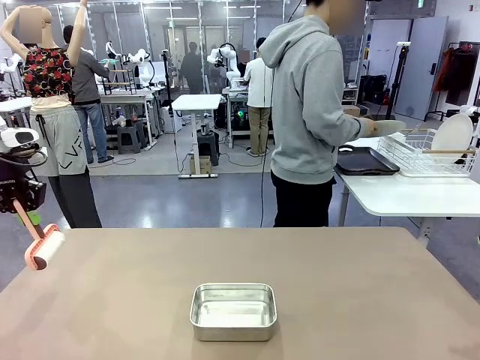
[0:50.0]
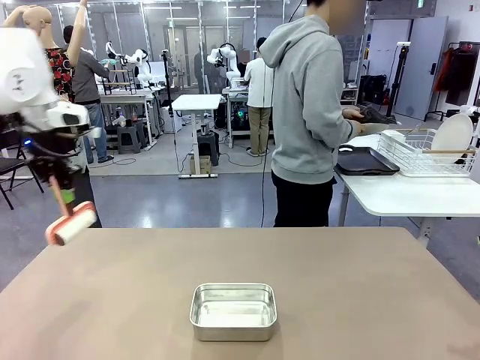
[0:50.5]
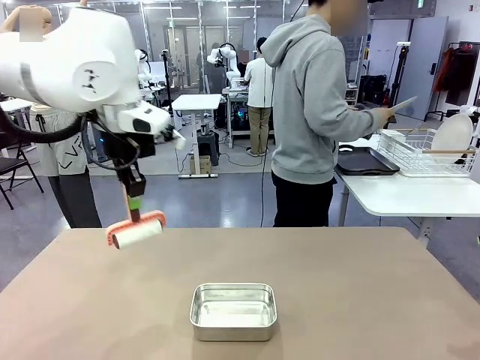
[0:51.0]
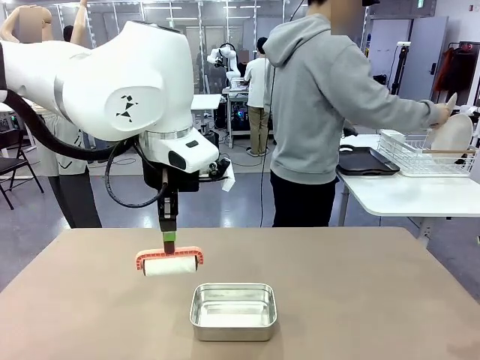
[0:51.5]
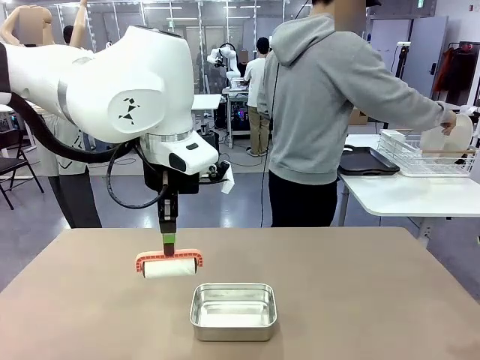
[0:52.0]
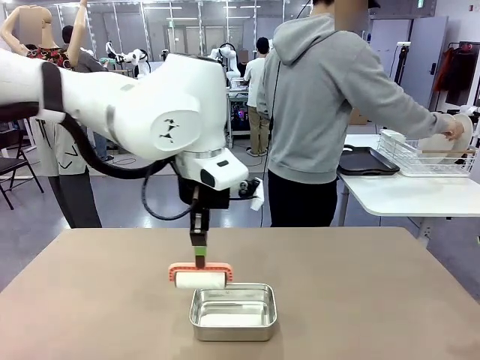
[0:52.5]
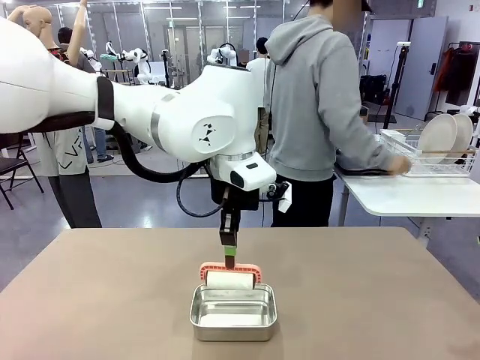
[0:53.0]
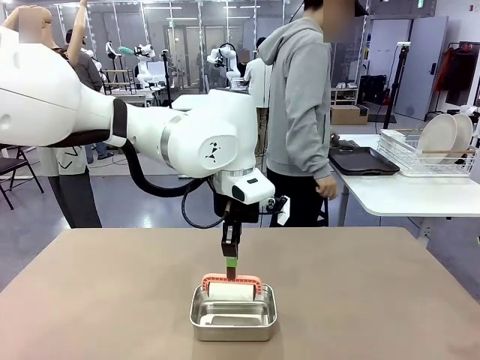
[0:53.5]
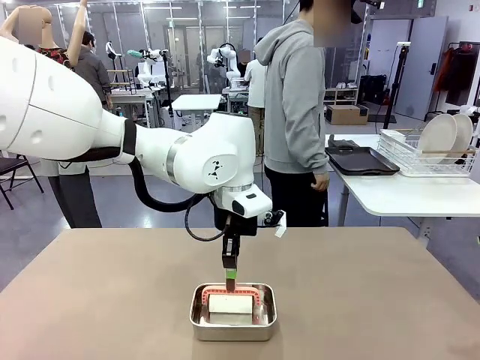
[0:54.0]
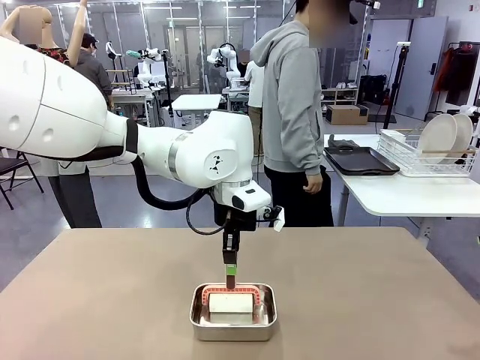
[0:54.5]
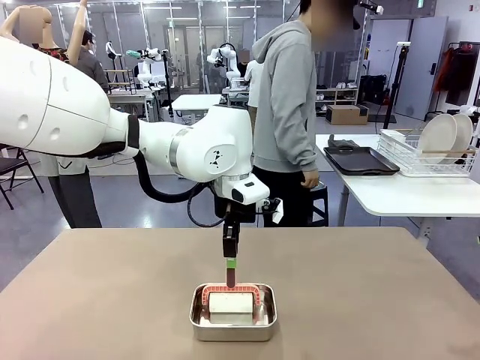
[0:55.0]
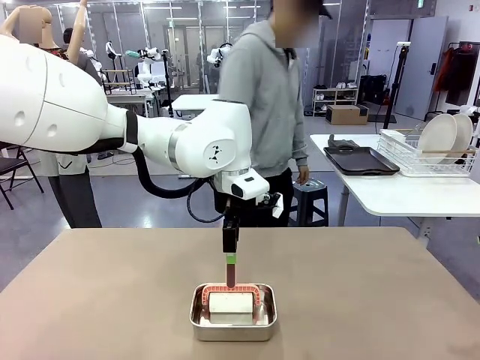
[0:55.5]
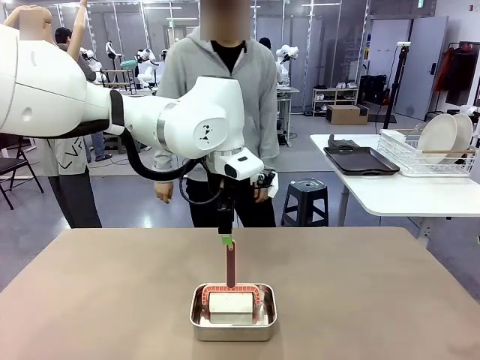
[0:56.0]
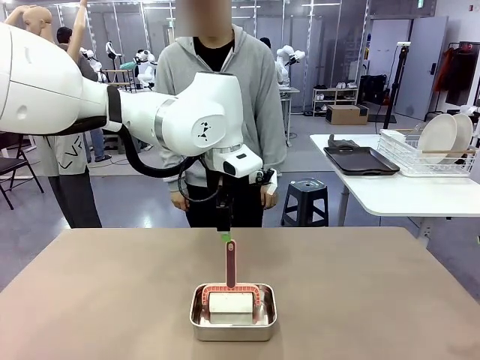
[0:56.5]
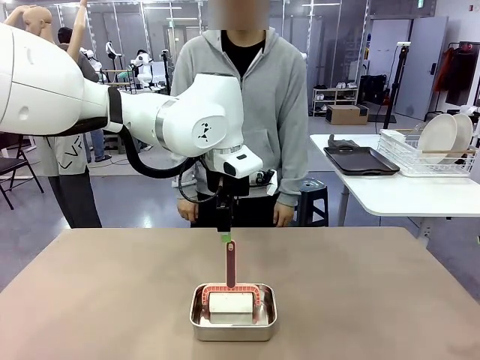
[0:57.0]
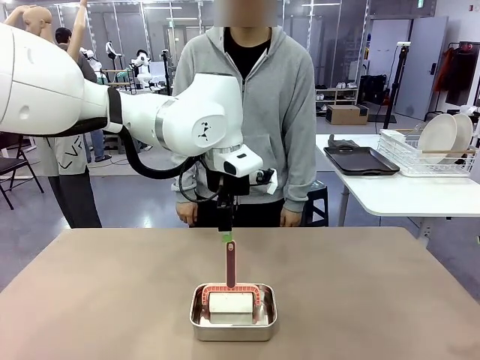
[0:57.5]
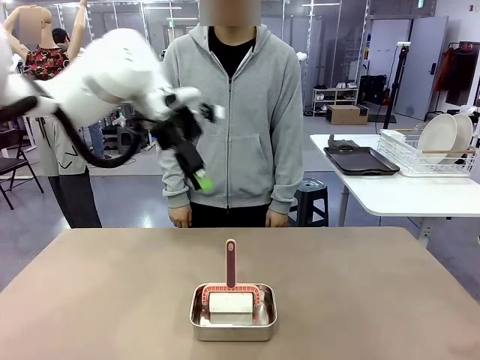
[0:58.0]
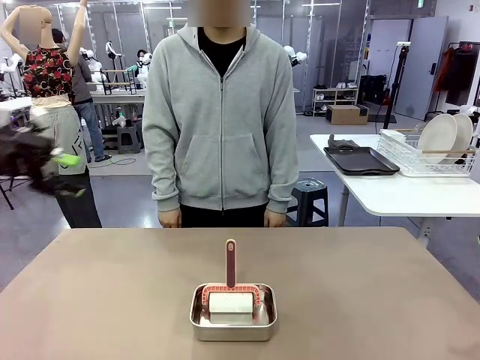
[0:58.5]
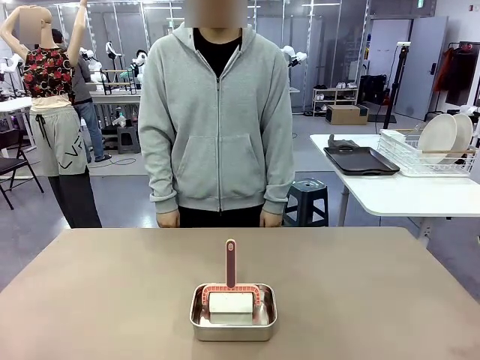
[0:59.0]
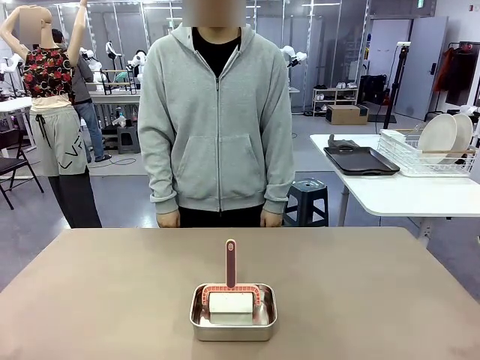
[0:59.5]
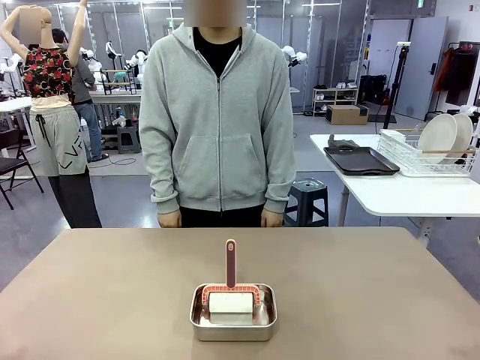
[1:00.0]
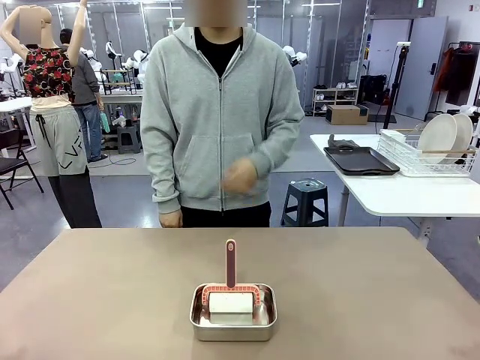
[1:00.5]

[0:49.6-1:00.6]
Robot: Place the Lint Roller back on top of the Airtight Container.
Person: Use the Towel with hook to wipe the Plastic Matte Plate , Fork , and Knife and place into the Dish drying rack.

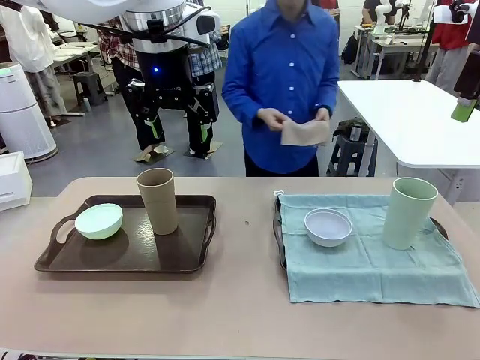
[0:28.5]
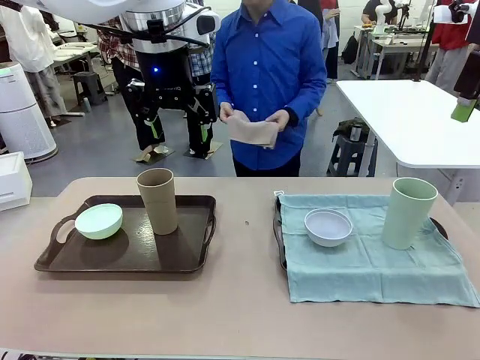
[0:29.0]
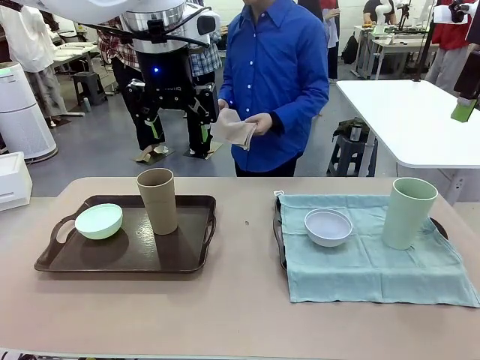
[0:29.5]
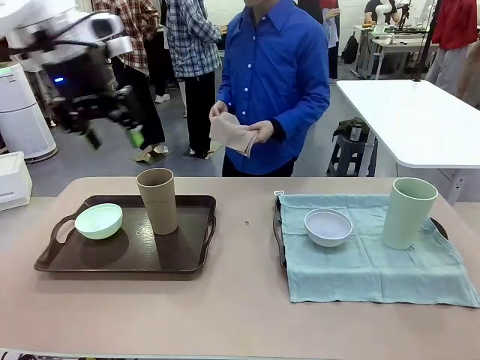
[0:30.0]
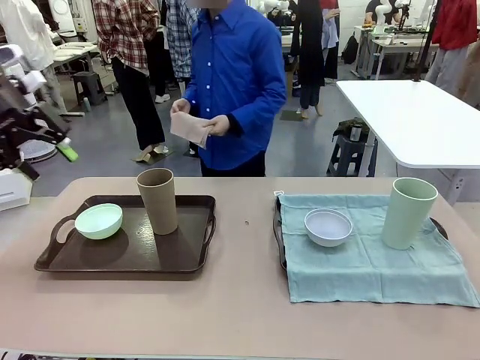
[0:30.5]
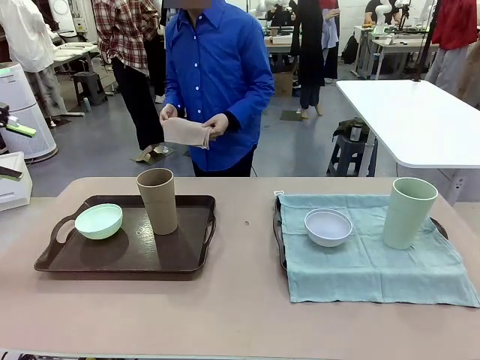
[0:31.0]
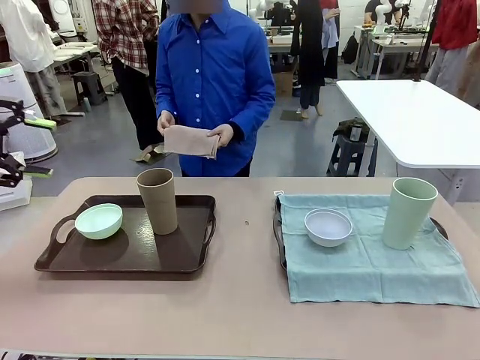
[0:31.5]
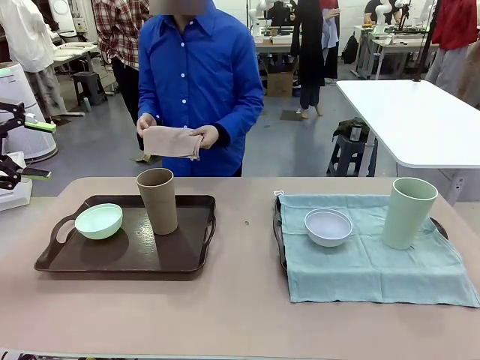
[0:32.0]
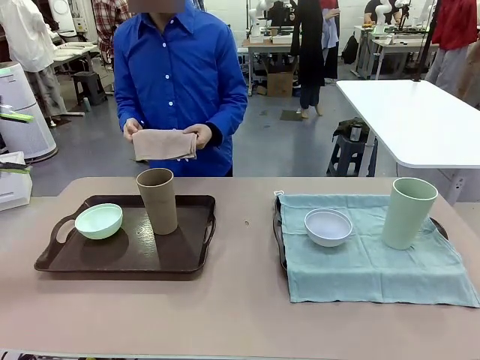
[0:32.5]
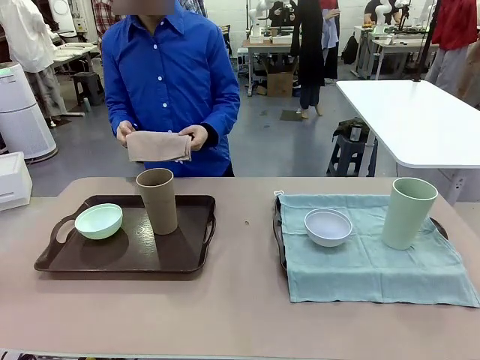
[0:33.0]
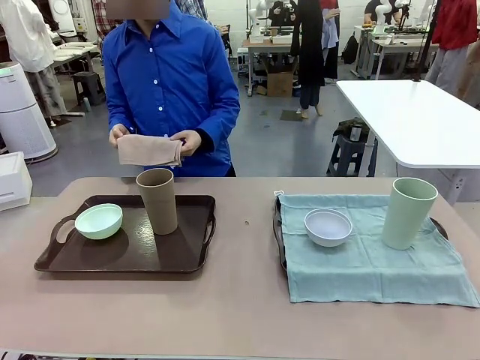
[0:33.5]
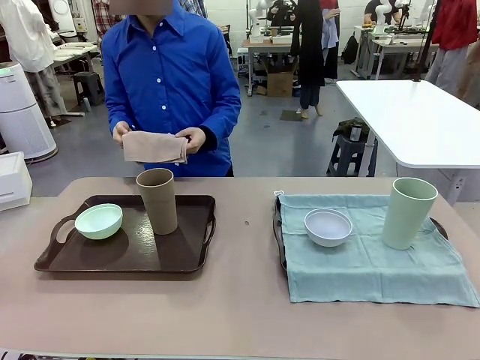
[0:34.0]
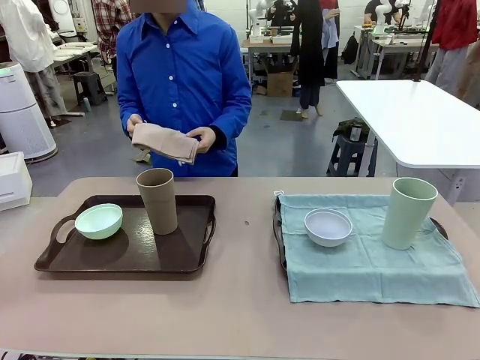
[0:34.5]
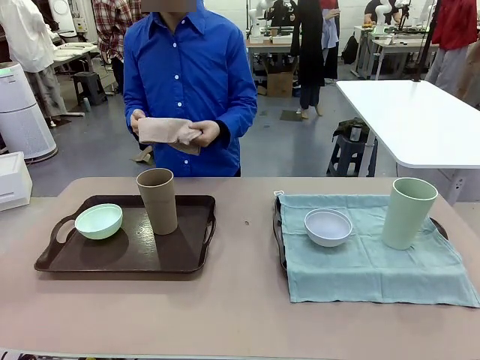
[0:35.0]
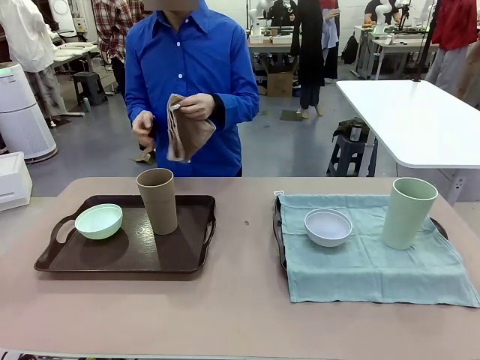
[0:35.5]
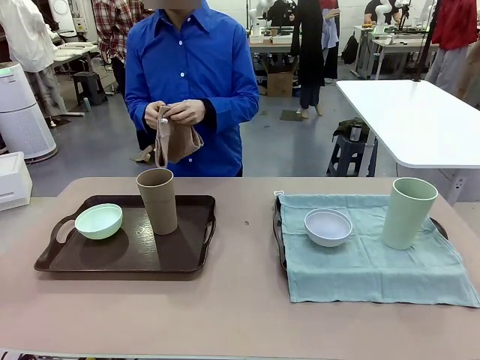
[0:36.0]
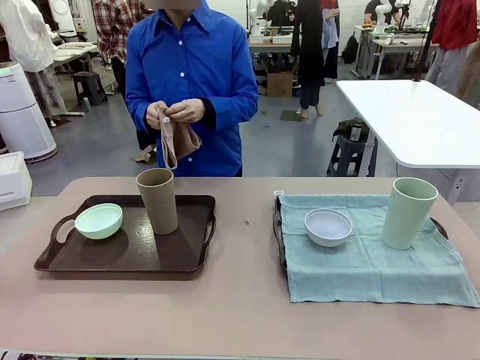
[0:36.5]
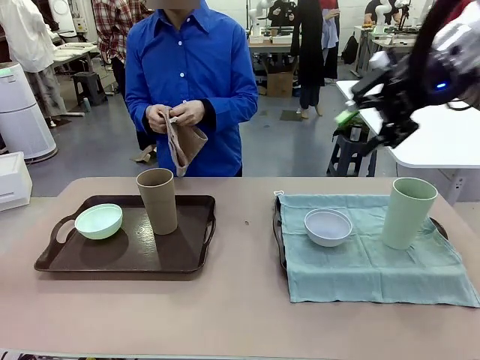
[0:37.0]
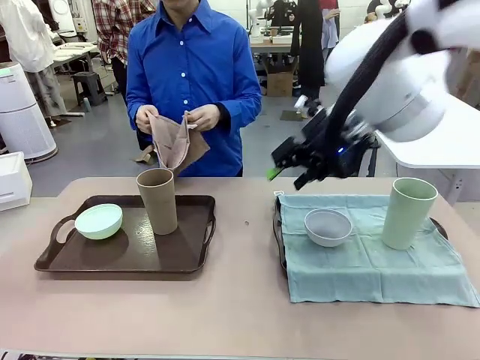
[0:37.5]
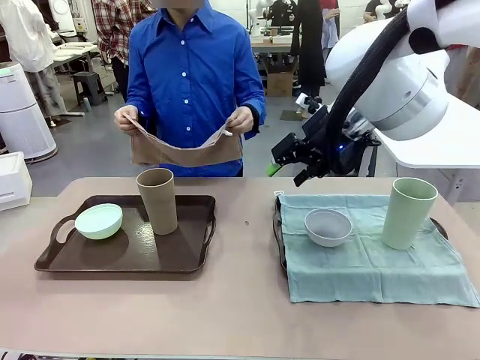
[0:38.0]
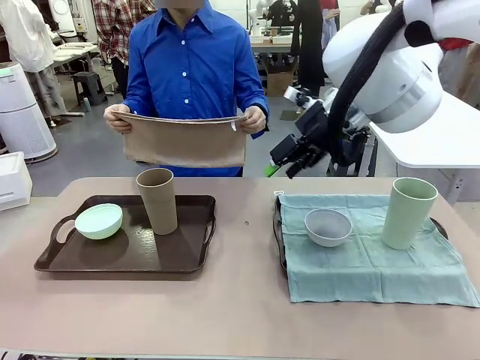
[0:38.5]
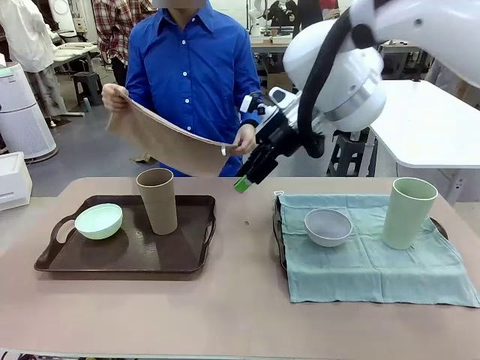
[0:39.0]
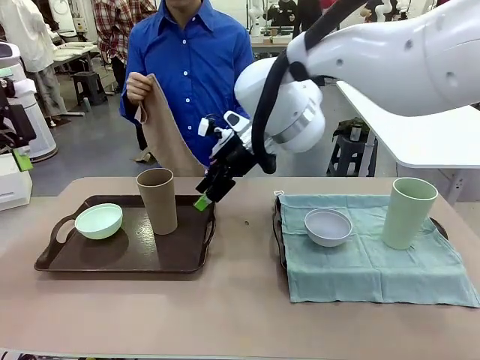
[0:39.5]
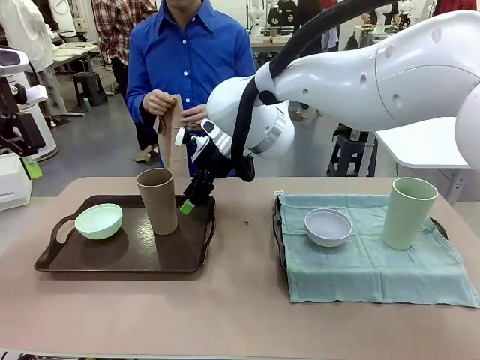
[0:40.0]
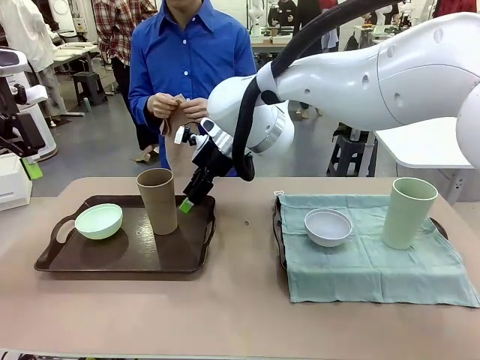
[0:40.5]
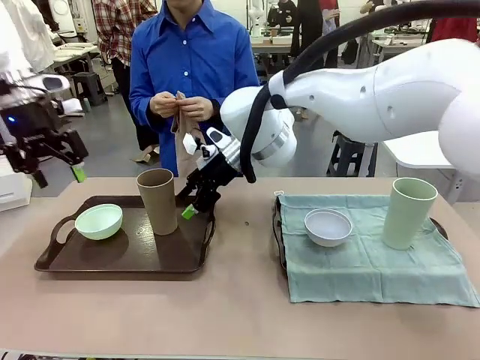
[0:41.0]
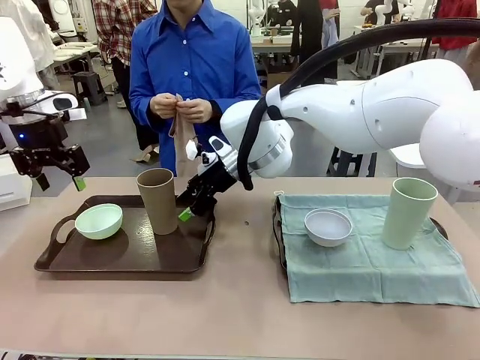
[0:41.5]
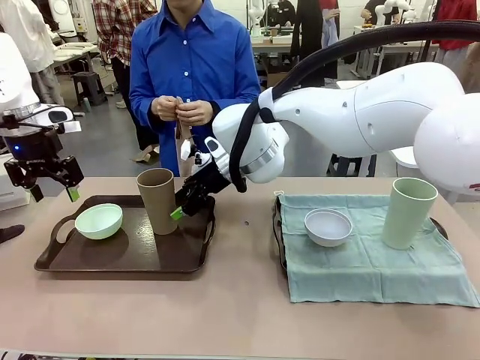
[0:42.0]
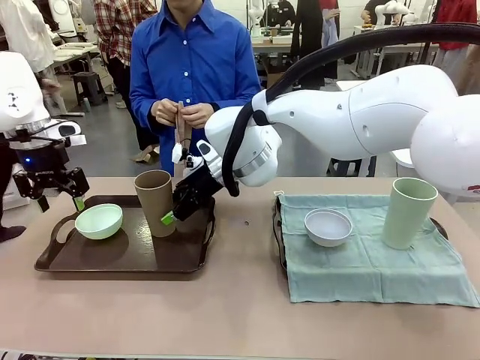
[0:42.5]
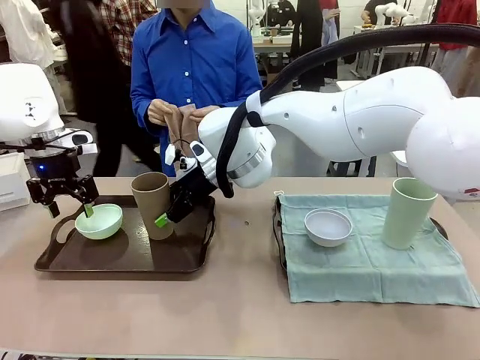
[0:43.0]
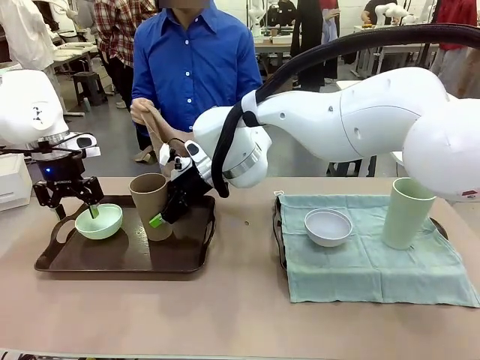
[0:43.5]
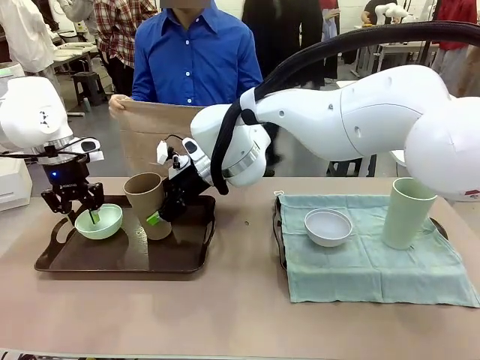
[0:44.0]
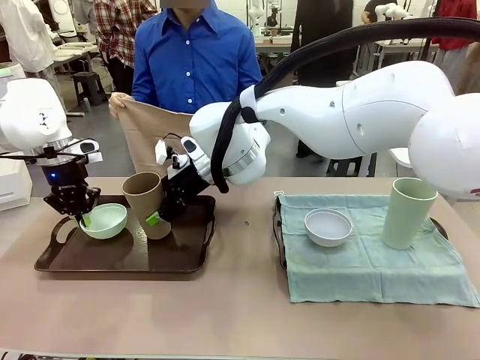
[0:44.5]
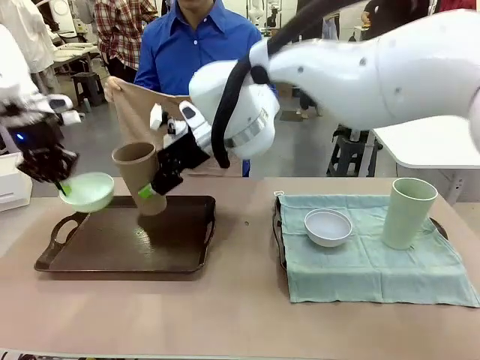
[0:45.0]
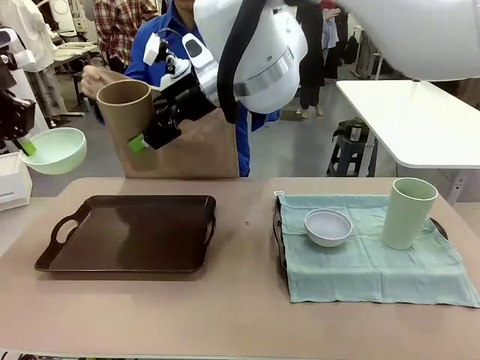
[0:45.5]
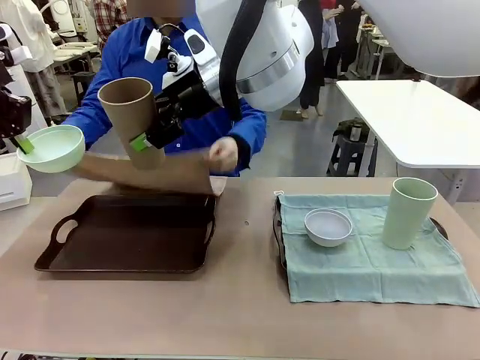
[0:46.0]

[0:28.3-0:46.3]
Robot: Pick up the Picnic Bowl and Reusable plastic cup from the Handle tray in front of the human's position and hold them in the air.
